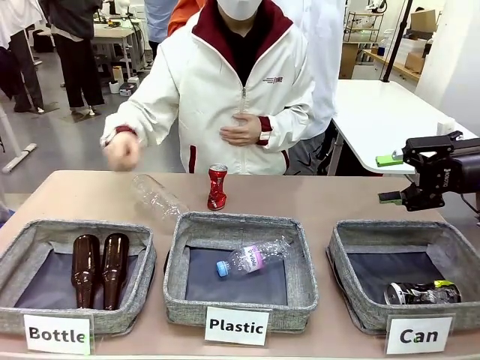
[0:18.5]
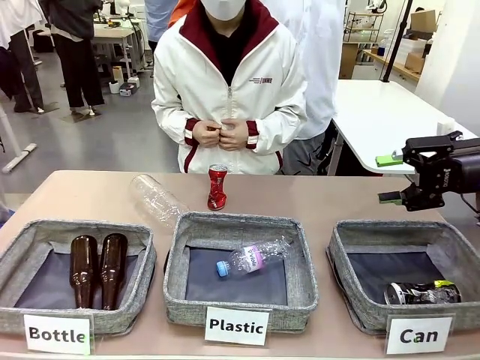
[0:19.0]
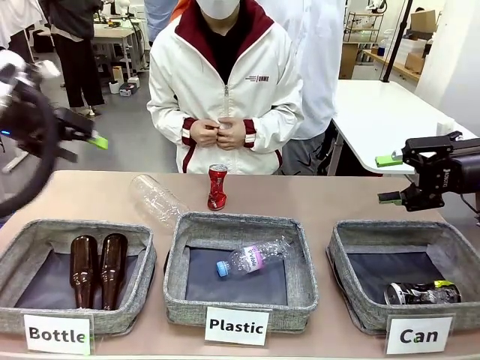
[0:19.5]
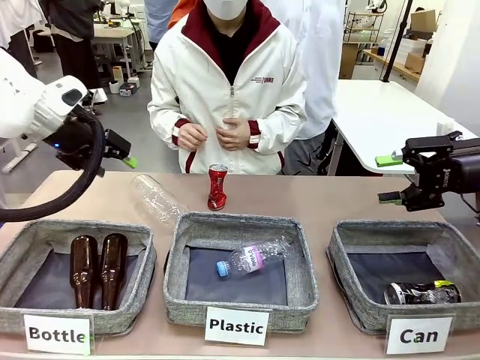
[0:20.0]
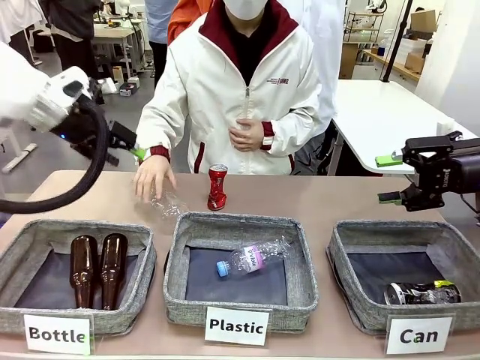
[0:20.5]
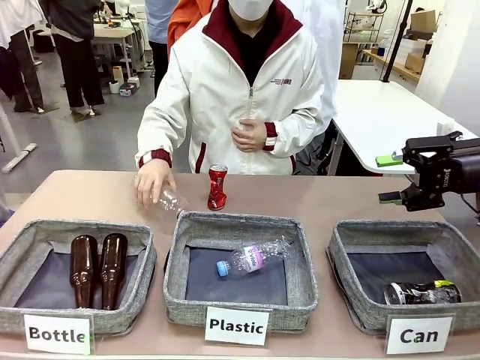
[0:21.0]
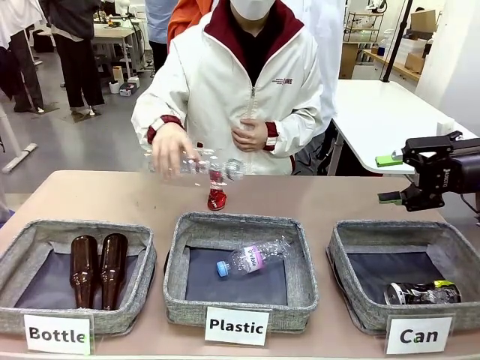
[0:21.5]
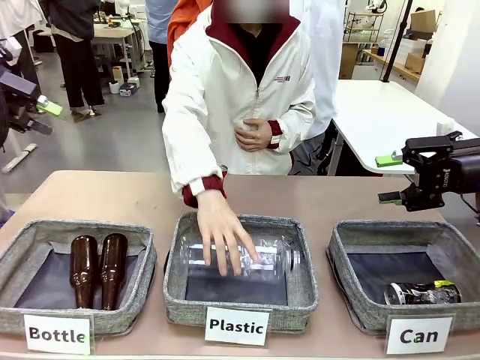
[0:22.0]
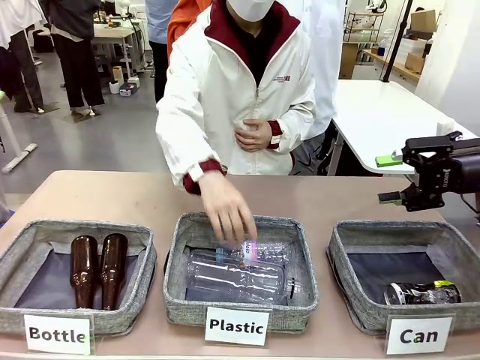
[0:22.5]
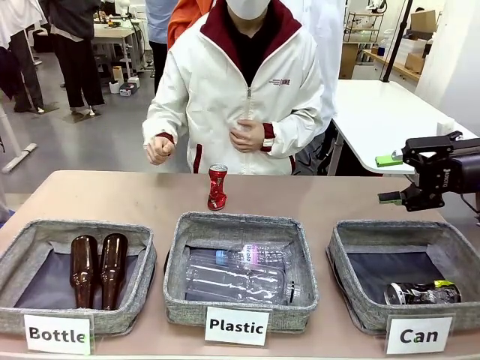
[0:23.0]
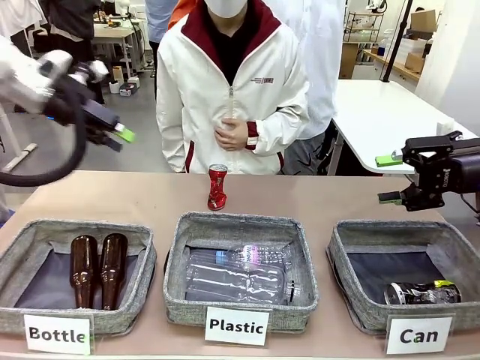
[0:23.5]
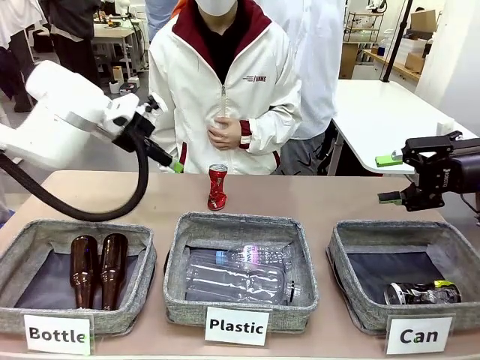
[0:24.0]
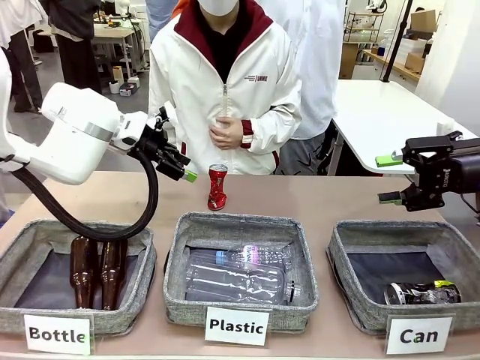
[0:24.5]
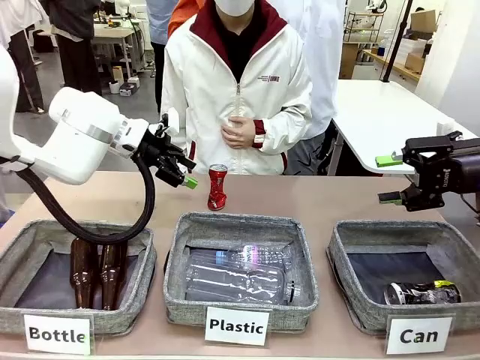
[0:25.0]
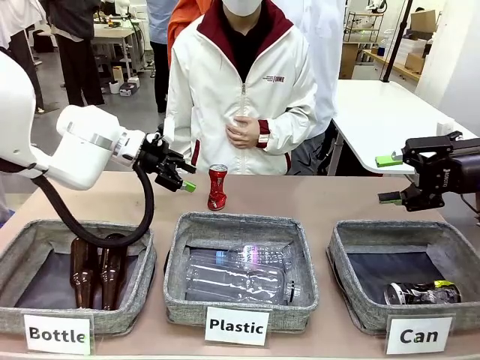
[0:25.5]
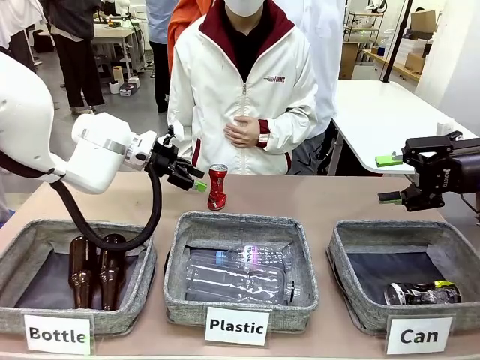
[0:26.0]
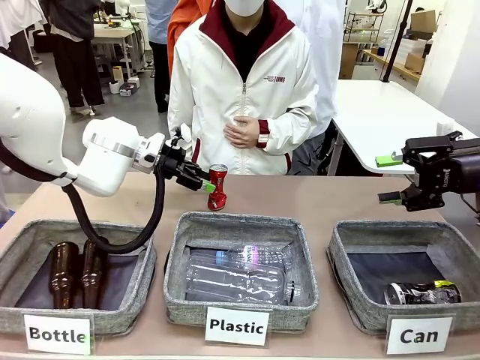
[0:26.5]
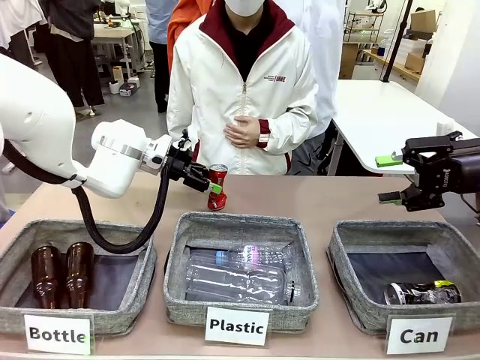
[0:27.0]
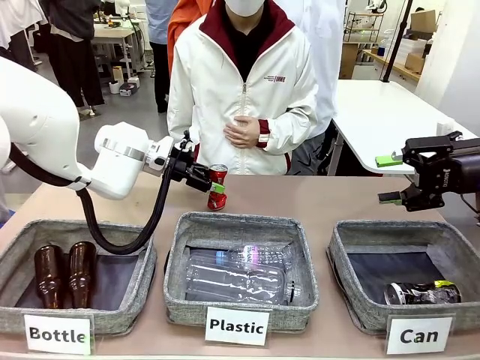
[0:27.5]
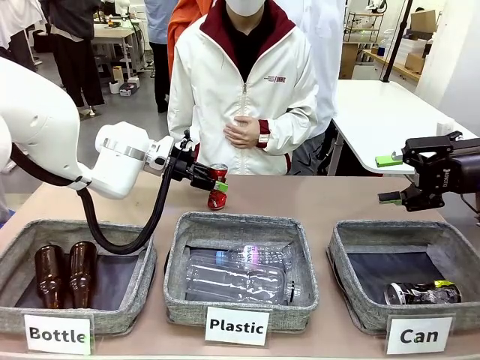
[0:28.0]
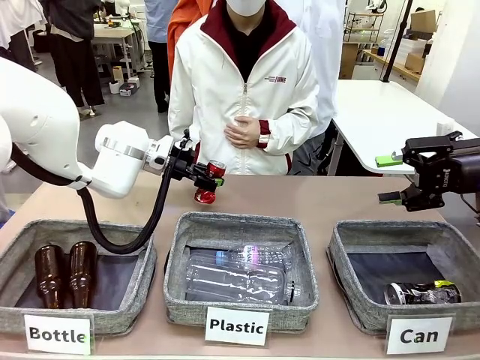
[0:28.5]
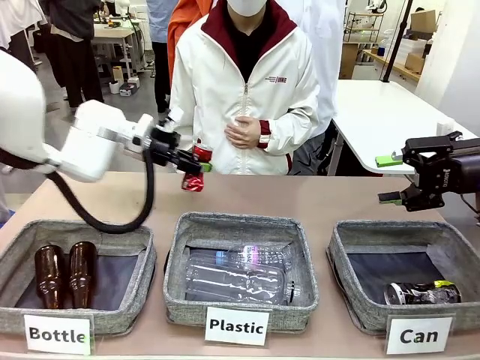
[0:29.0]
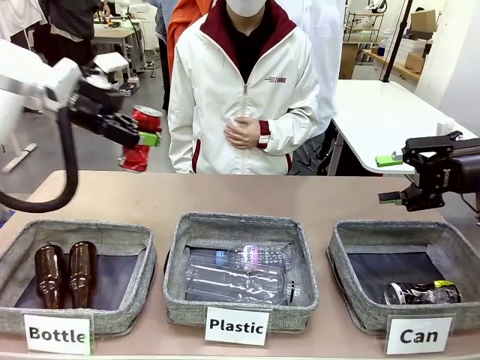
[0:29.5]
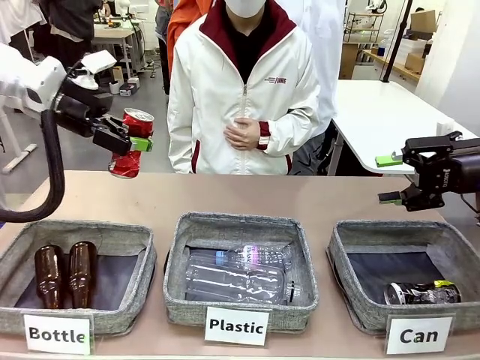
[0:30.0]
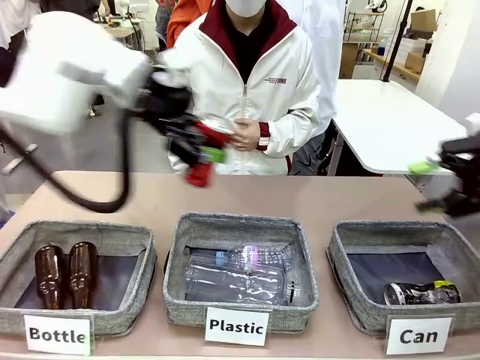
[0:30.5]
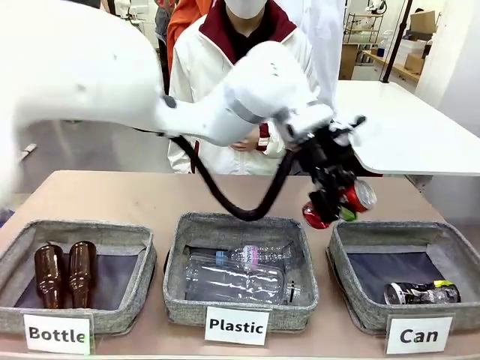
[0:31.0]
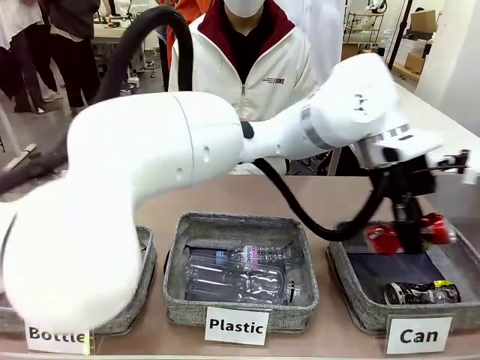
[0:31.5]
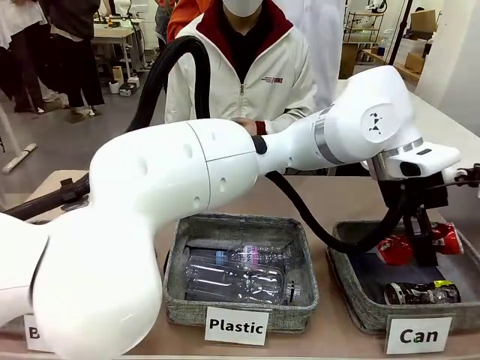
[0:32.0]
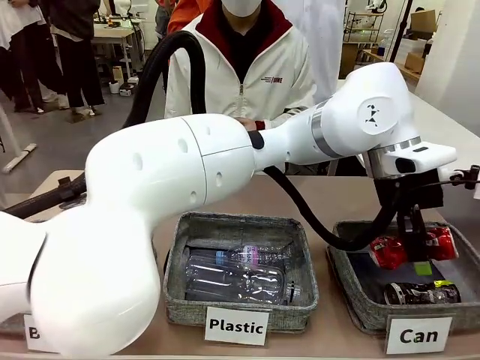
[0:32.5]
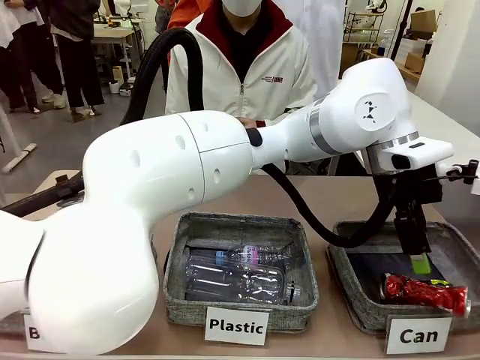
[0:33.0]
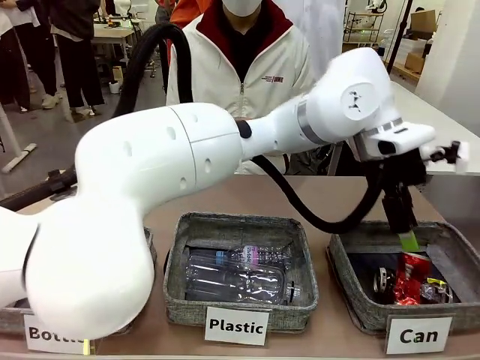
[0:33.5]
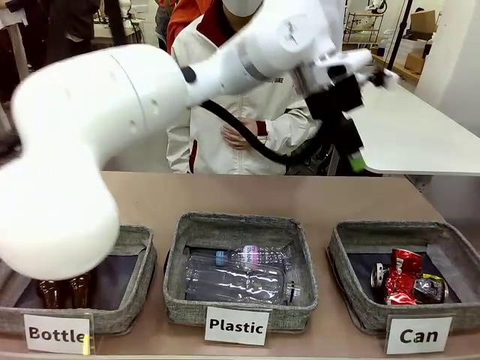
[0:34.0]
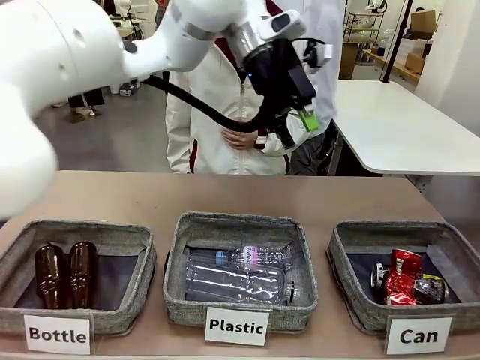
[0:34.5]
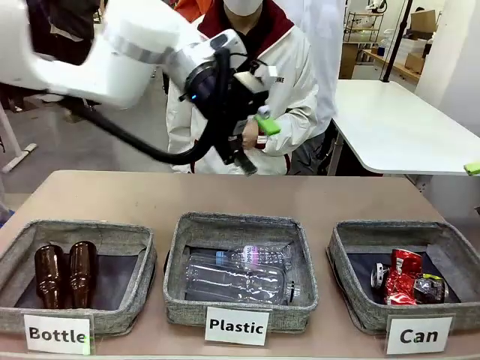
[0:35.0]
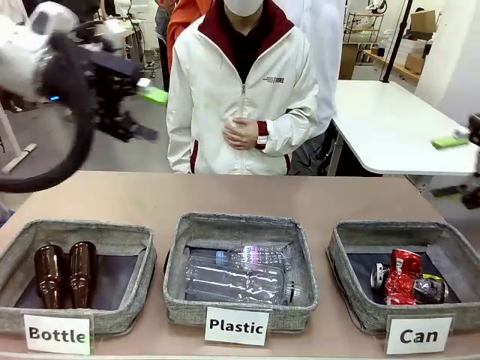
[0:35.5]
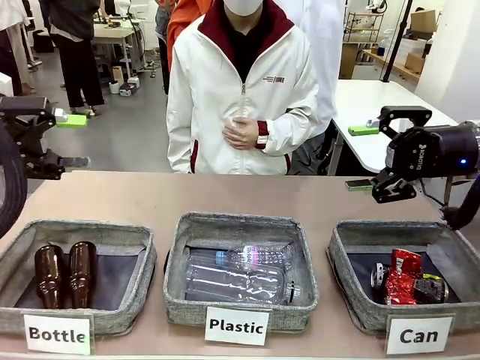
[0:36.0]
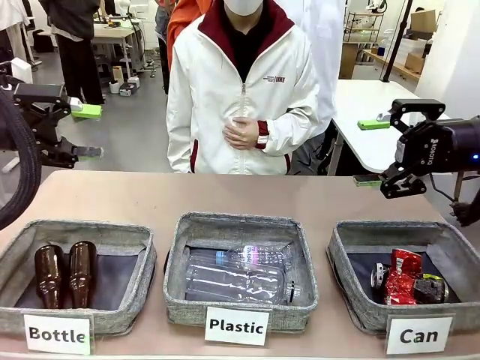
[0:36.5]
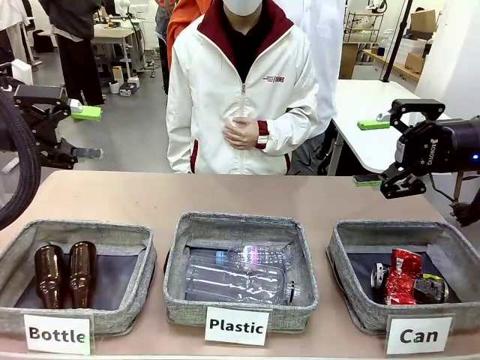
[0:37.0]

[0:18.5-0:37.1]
Task: Sort the can waste into the basket.
Robot: Pick up the can waste from the table and place it in the right Fabric basket.
Person: The human picks up one piece of trash that is not a can and places the trash into the appropriate organizing basket.
